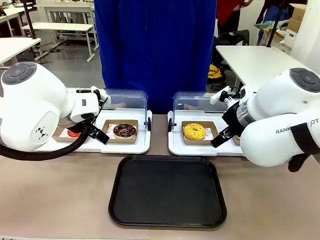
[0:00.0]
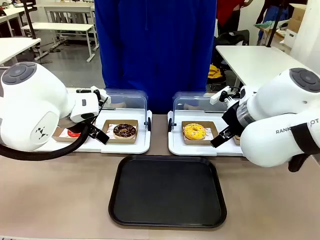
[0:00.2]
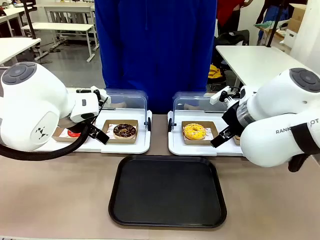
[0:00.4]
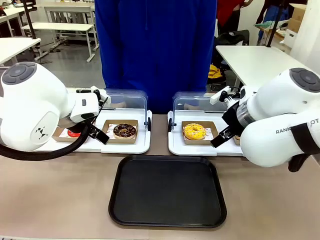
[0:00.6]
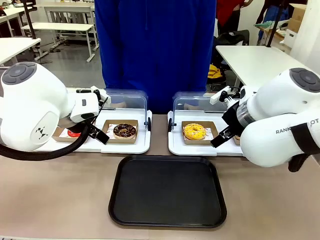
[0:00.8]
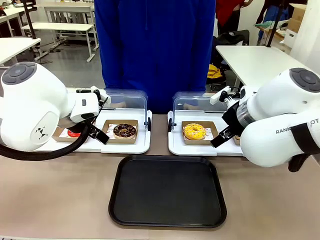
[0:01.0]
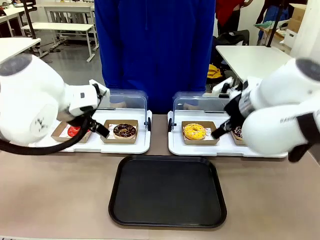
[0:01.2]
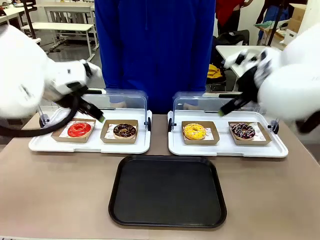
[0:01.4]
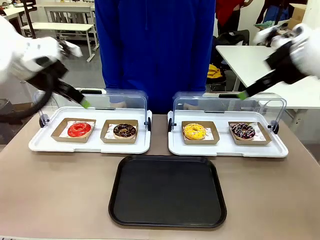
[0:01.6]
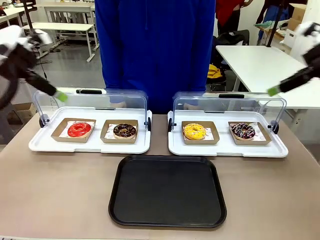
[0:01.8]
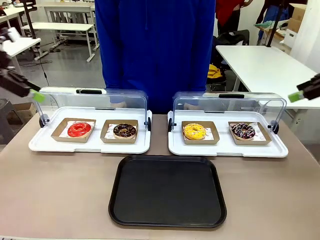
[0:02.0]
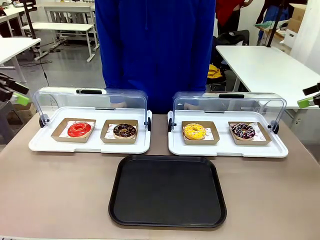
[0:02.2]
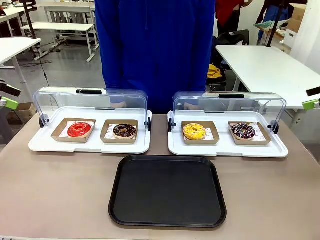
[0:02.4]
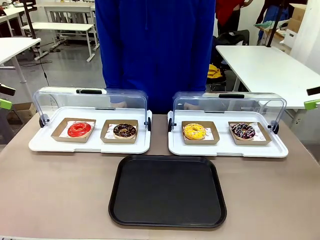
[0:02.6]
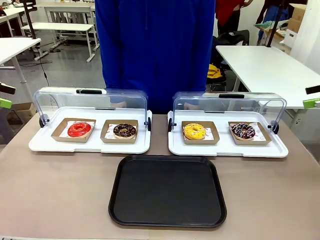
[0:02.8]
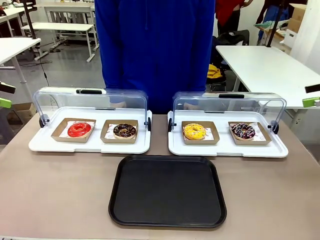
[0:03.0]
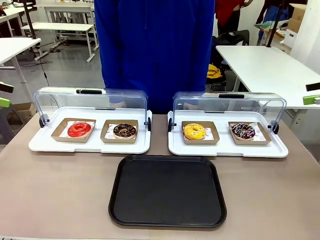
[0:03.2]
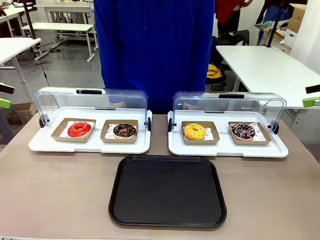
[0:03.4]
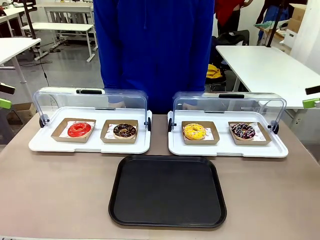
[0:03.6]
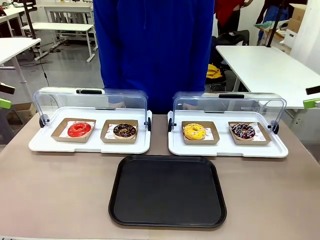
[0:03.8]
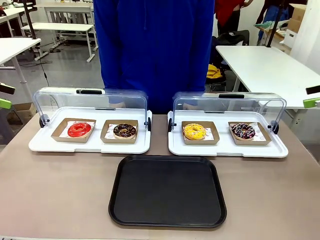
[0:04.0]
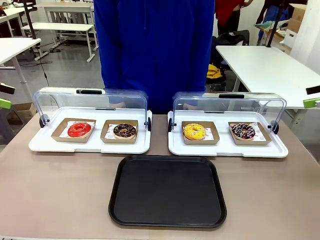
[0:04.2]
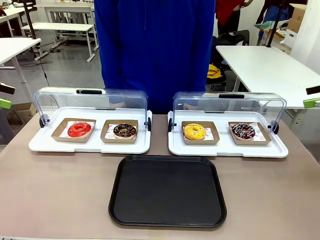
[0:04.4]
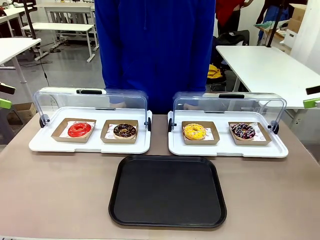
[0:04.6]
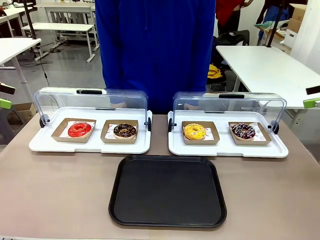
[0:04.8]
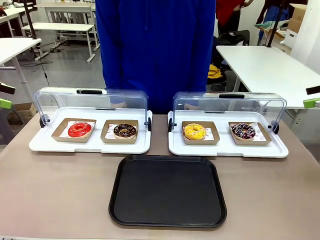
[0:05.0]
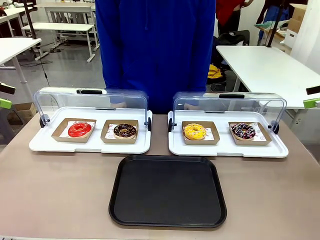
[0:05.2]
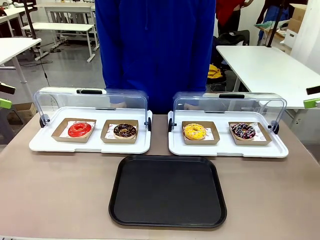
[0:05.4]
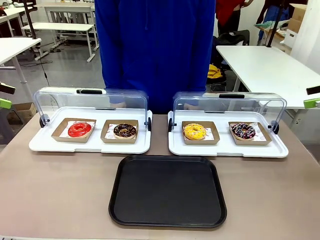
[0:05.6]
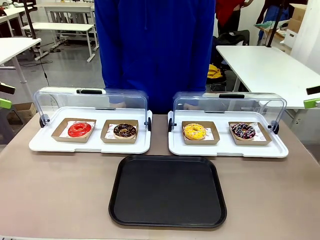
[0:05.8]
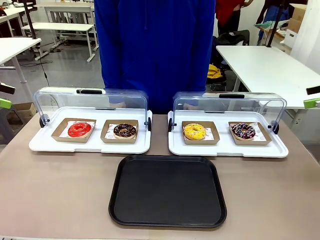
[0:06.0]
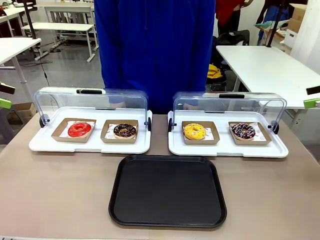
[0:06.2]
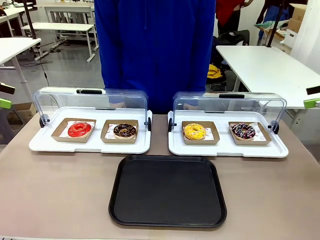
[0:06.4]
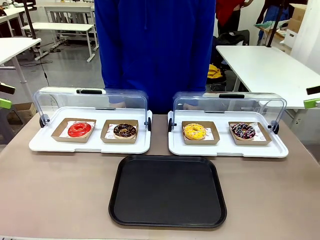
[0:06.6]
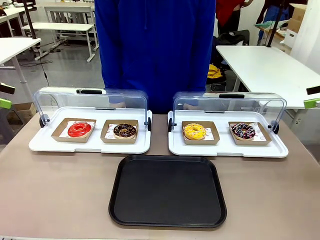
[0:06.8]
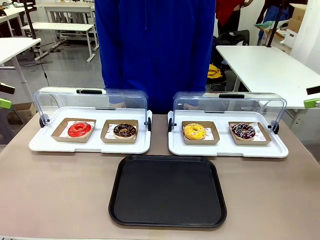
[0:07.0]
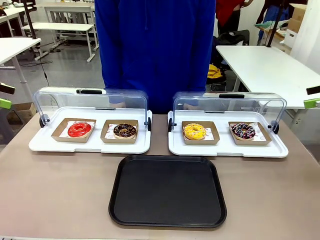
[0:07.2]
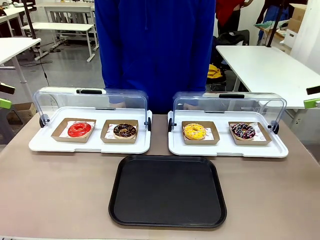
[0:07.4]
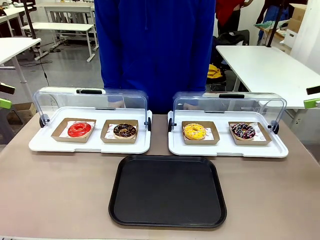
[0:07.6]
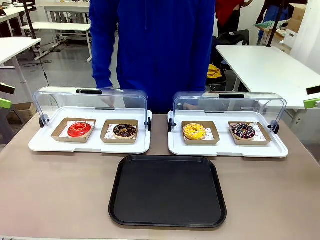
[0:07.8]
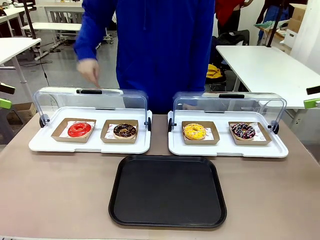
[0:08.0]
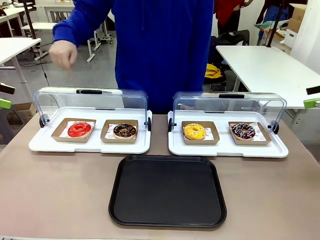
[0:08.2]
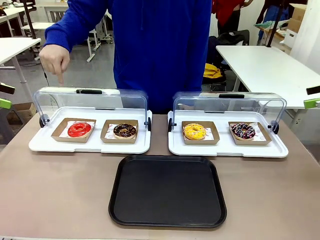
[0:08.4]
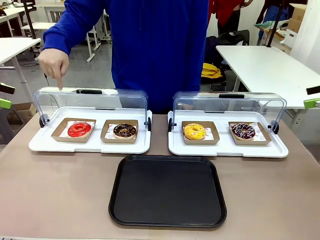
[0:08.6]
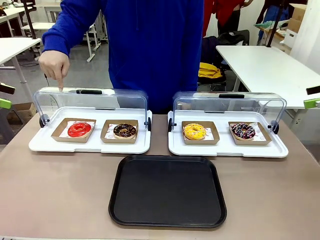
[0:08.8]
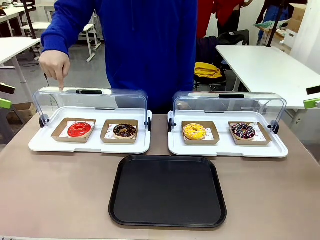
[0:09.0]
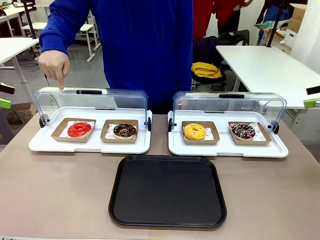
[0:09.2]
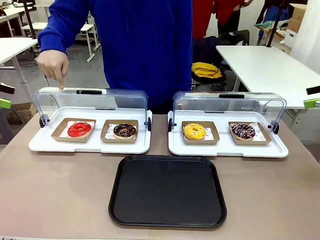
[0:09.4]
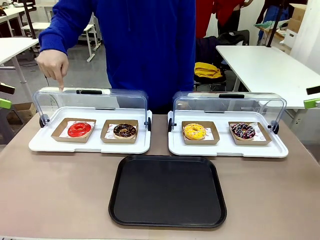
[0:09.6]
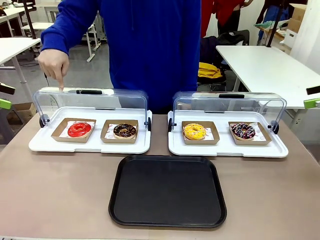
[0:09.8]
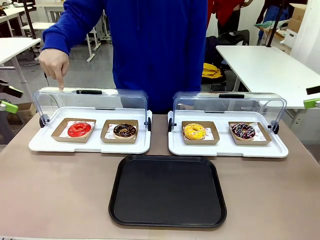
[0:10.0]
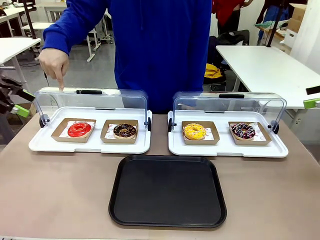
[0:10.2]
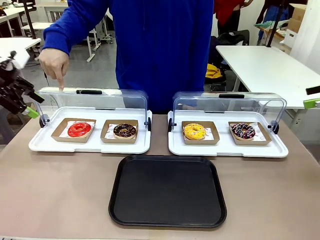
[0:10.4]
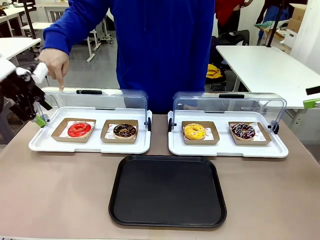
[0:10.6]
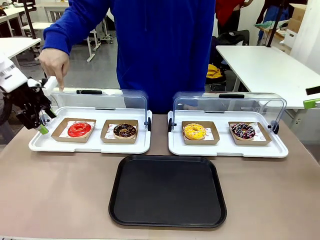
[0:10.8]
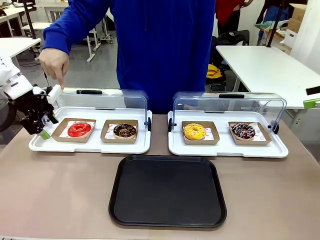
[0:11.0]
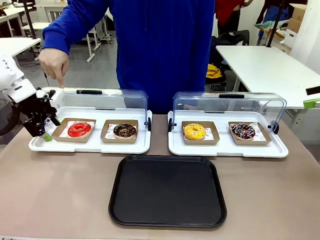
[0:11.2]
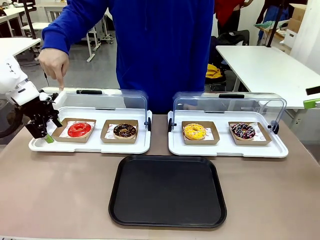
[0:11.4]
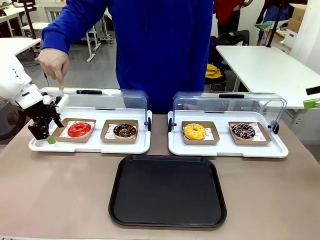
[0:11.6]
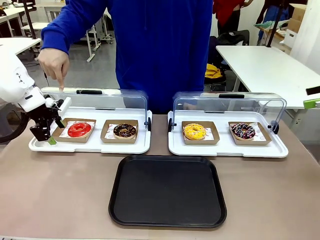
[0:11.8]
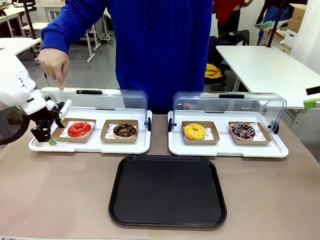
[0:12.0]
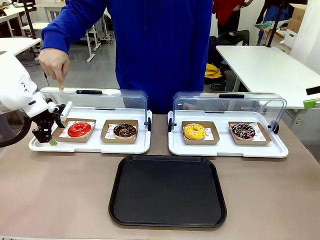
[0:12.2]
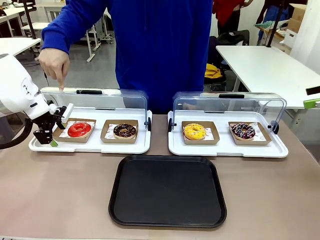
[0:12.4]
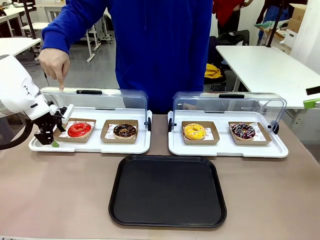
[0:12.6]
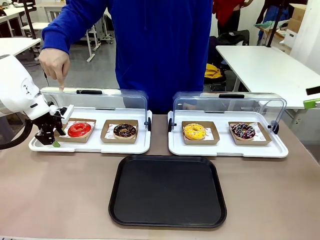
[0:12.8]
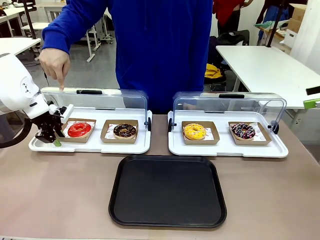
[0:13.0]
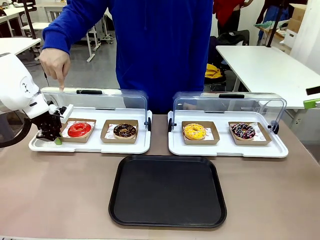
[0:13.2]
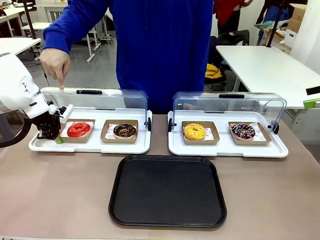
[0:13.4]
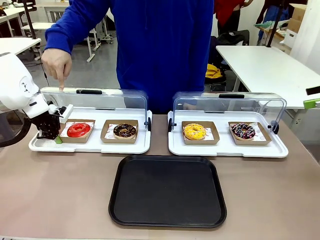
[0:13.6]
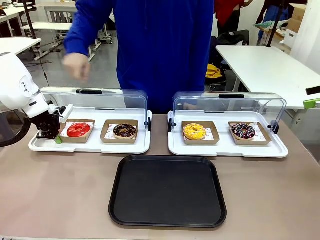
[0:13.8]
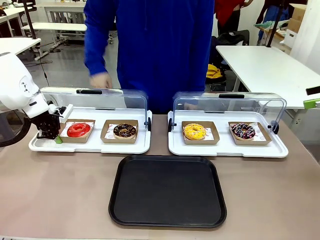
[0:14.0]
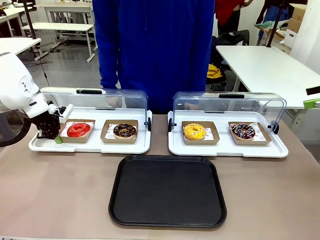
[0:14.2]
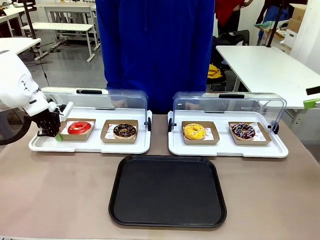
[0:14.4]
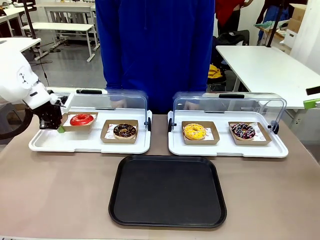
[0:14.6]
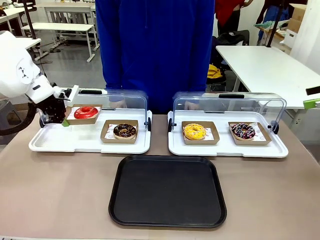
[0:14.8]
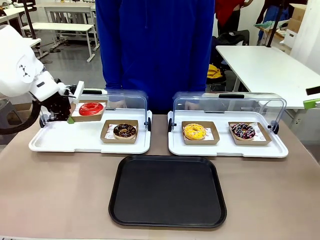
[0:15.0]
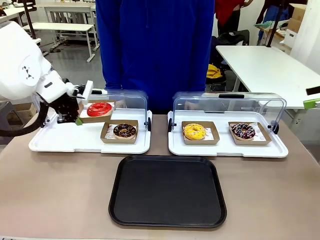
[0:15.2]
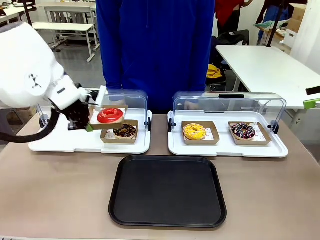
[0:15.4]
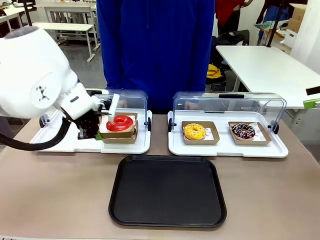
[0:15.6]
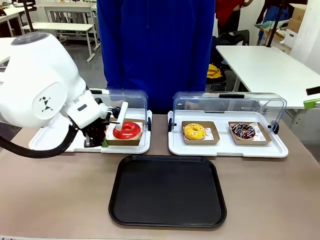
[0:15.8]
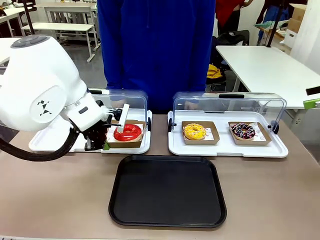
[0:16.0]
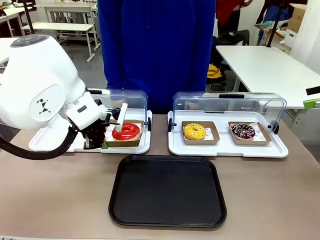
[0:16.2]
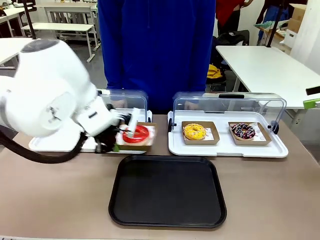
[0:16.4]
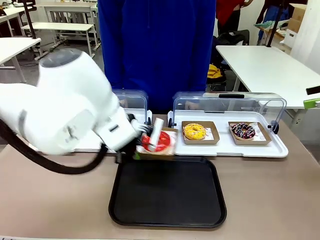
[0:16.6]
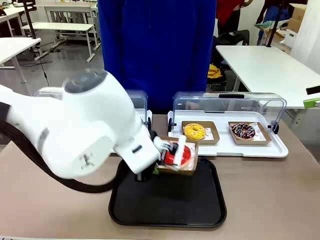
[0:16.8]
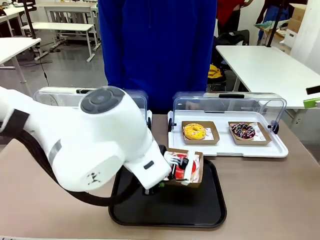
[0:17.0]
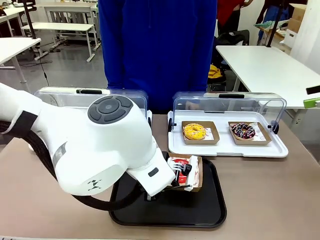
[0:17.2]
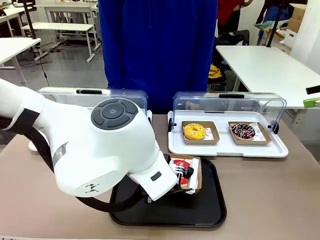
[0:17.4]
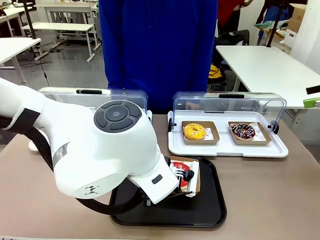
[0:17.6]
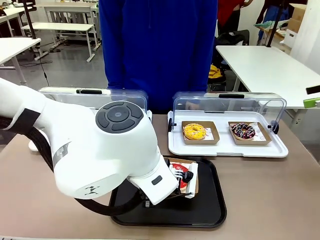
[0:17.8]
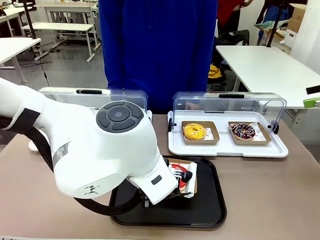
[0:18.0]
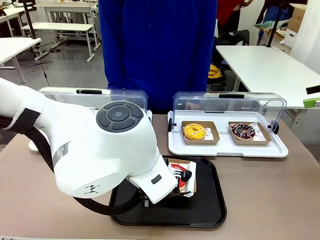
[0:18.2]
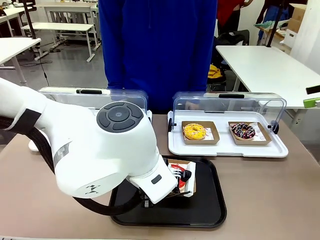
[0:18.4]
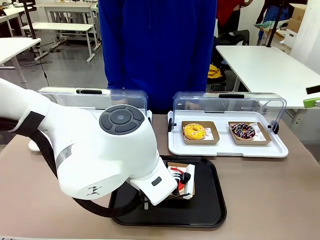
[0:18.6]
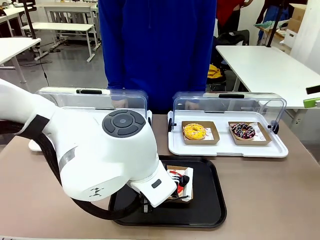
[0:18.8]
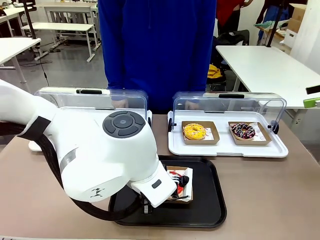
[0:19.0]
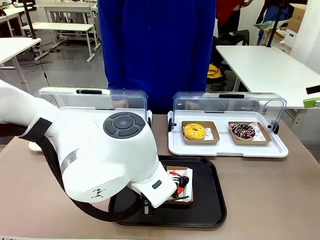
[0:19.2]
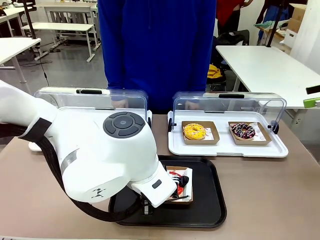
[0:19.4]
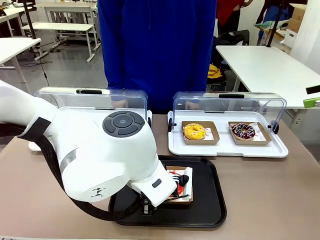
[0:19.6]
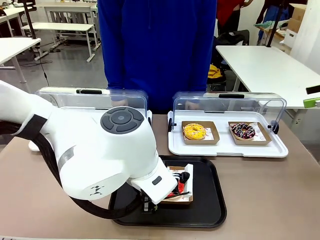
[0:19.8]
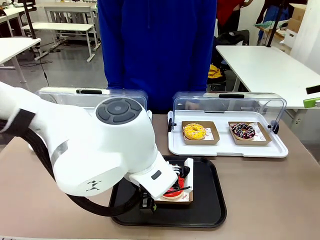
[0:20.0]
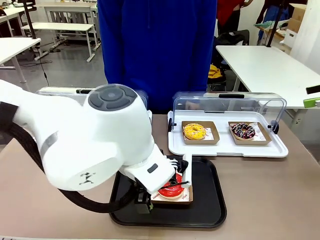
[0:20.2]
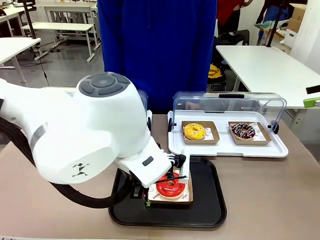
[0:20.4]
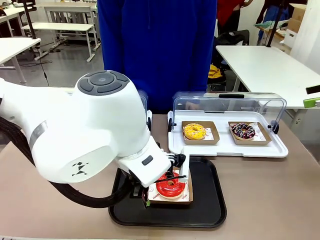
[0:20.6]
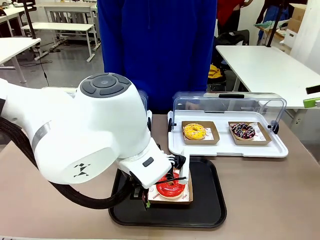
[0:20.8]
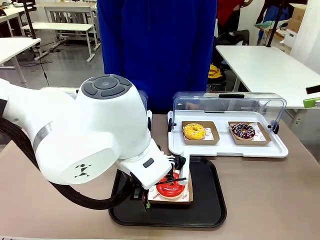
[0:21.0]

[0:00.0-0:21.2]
Task: Move the first donut from the left to the tray.
Robot: Pick up the Paper togo box containing the Donut indicated by the person and place it on the Handle tray.
Person: Points to the first donut from the left from the robot’s perspective.
